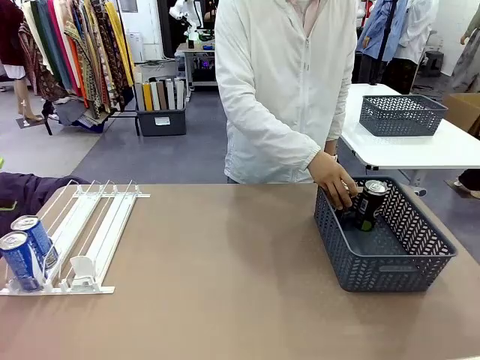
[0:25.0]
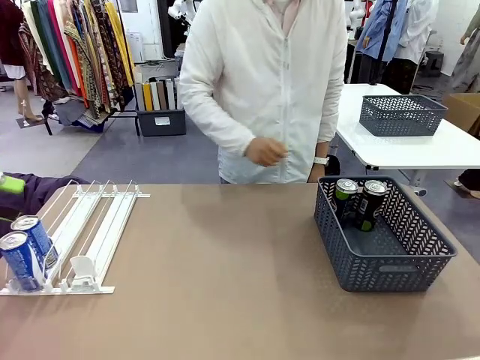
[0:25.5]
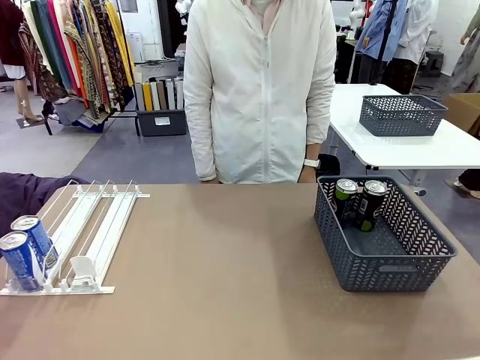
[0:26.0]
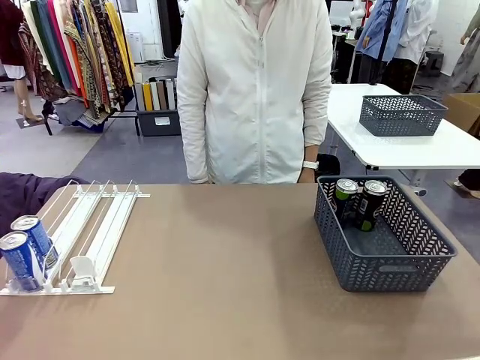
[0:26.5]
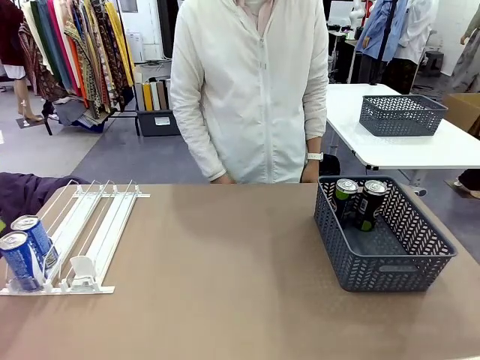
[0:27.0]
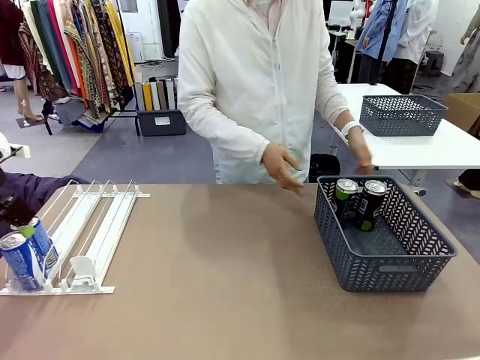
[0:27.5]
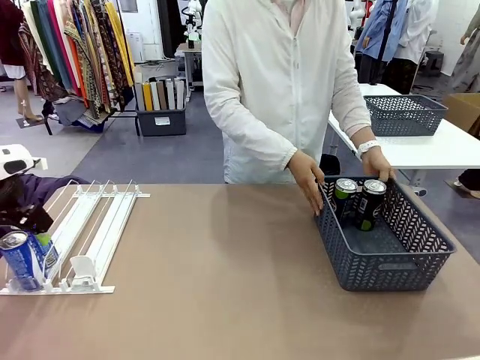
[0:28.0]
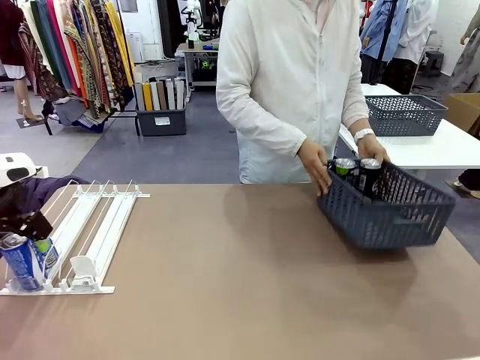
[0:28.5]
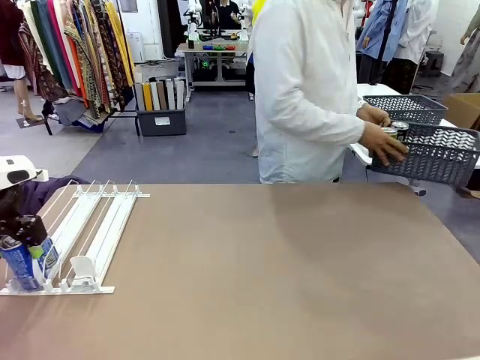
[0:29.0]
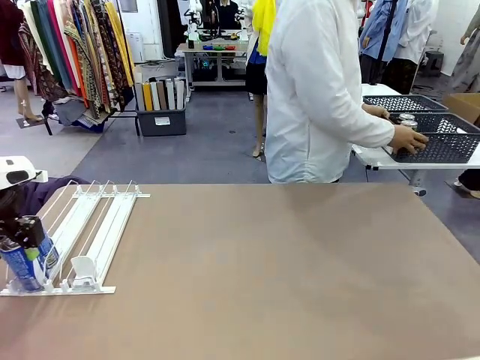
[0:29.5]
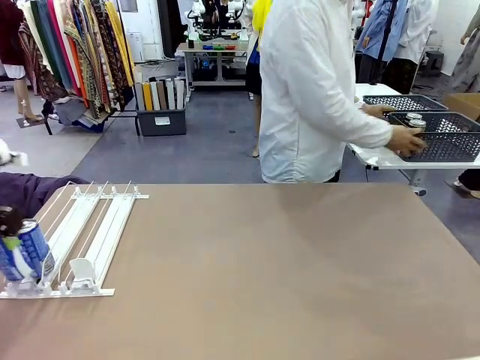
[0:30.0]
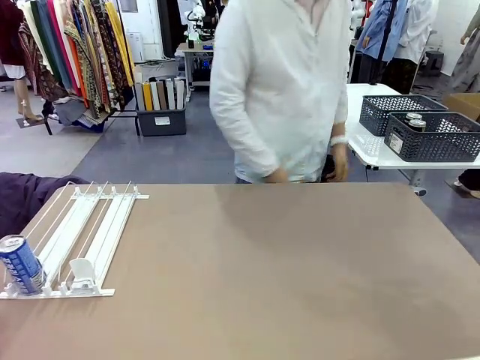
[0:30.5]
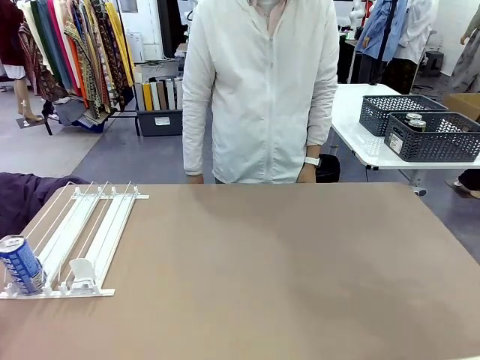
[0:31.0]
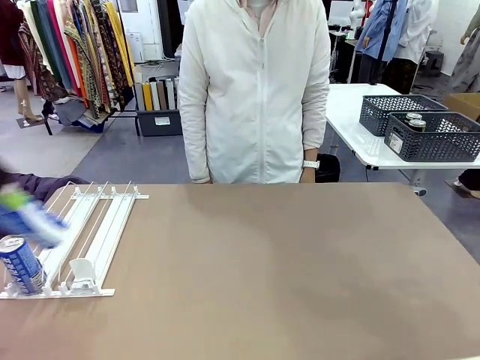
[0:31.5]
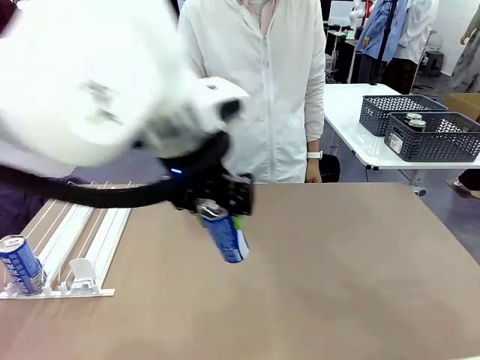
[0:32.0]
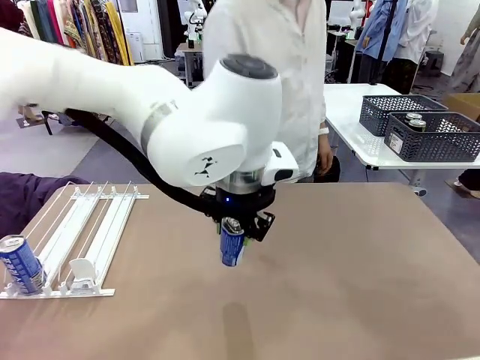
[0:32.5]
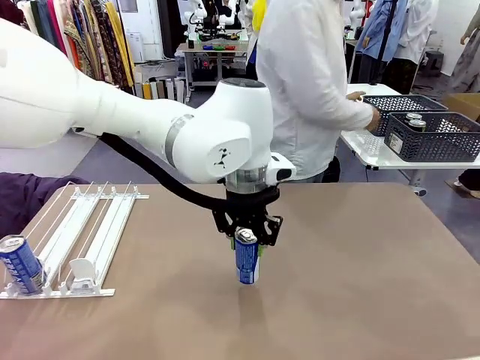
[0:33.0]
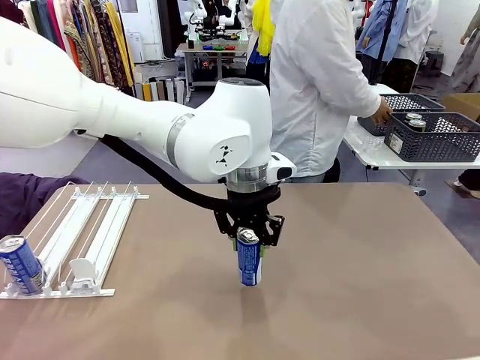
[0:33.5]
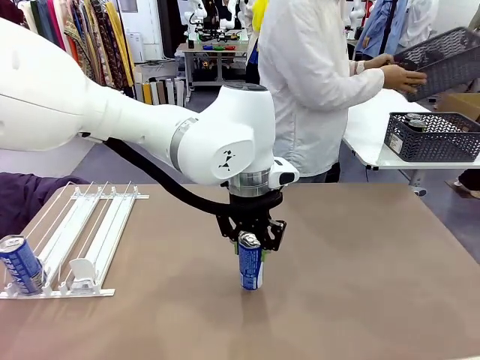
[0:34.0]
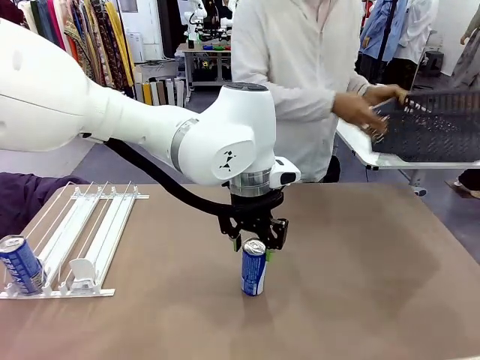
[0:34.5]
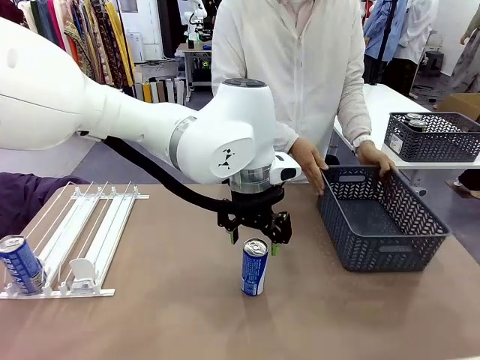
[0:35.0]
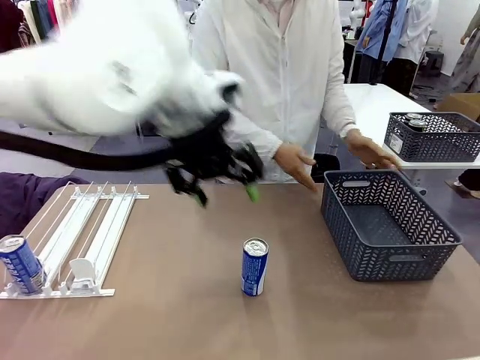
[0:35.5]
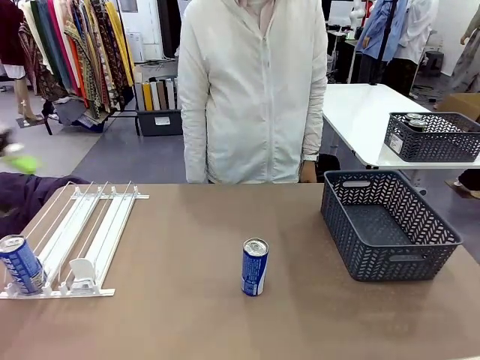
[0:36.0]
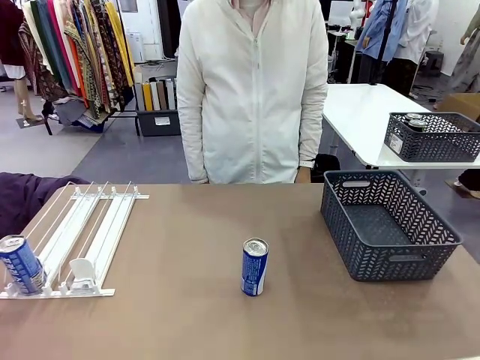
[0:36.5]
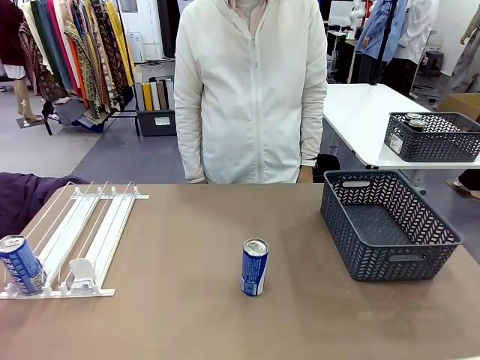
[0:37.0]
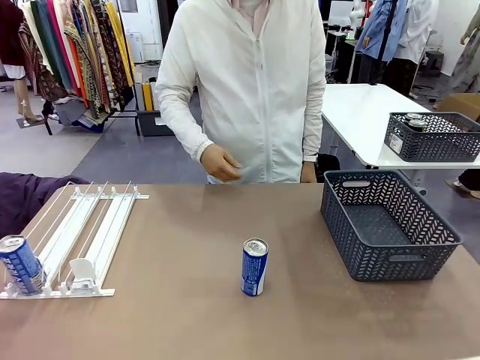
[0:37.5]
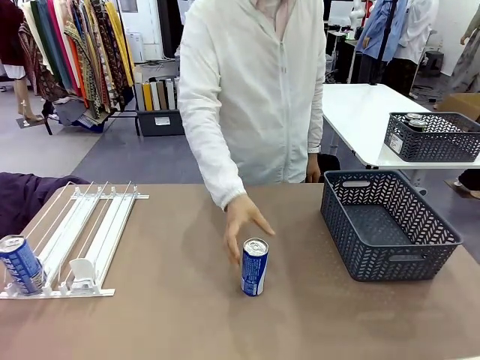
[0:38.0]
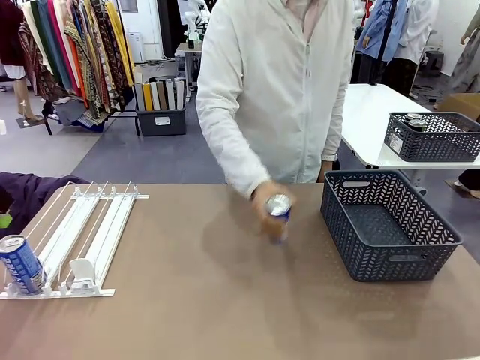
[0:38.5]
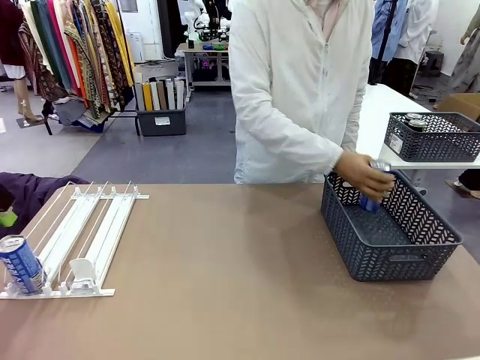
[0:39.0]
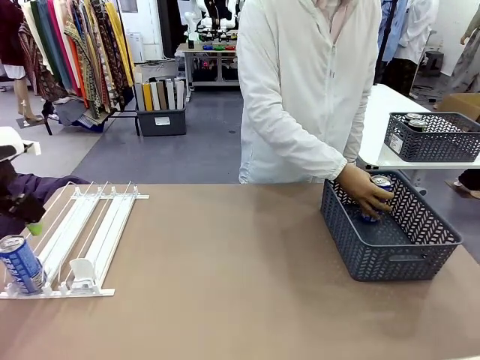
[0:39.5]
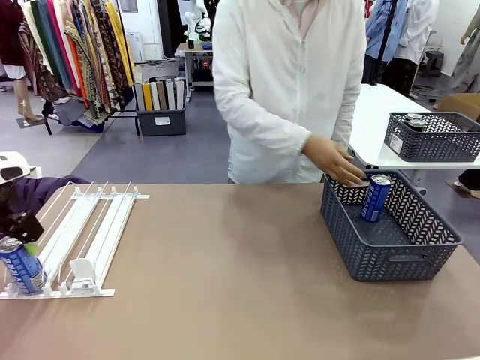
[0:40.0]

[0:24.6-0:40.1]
Task: Retrieve and store the cans from the dispenser.
Robot: Pick up one can from the Automatic Can Dispenser and place it in the middle of the table.
Person: Pick up the basket and place it in the middle of the human table. Pick up the empty basket and place it on the left side of the robot table.
